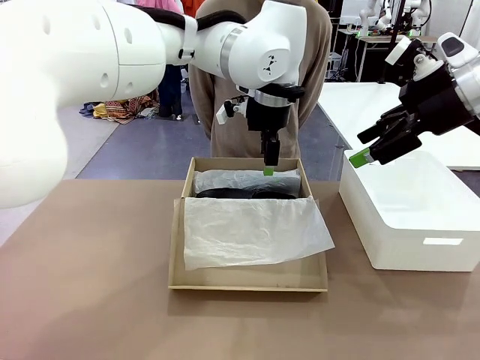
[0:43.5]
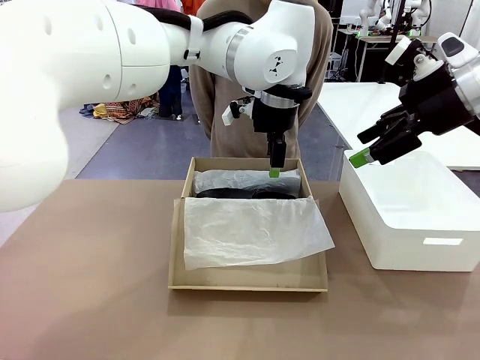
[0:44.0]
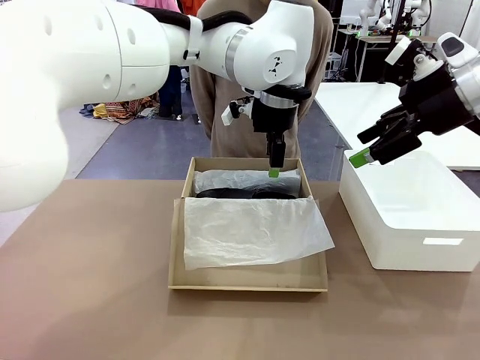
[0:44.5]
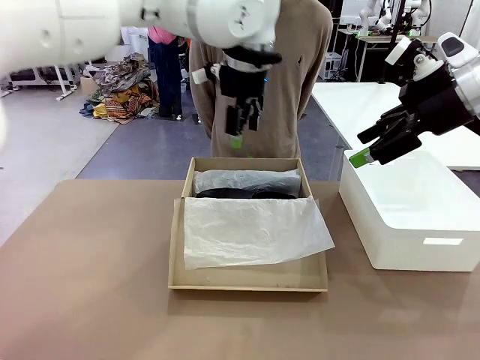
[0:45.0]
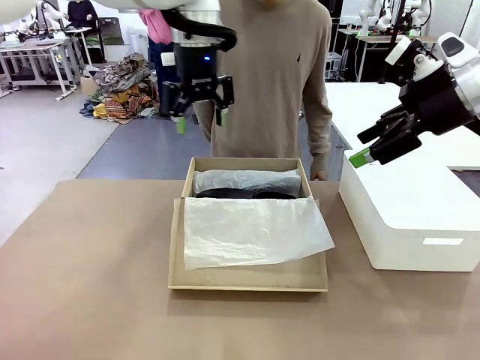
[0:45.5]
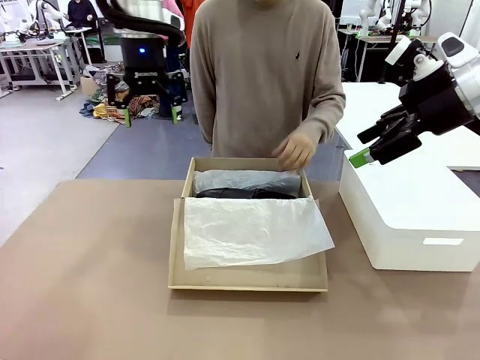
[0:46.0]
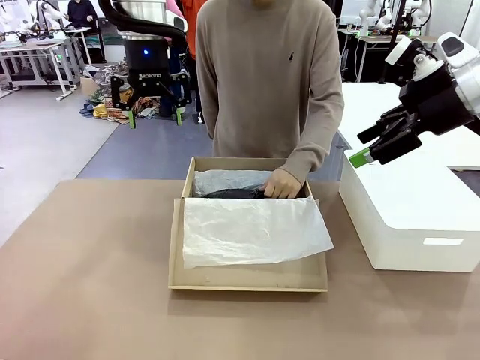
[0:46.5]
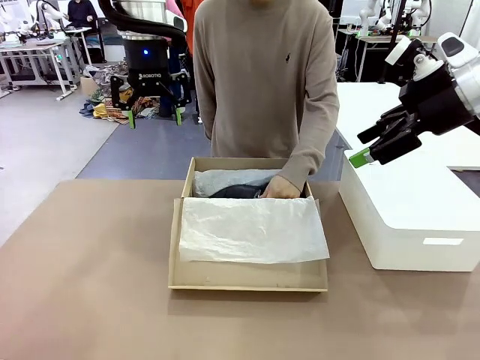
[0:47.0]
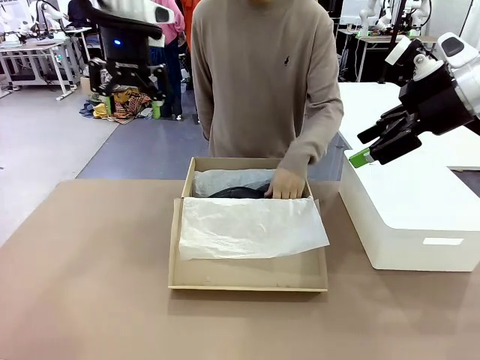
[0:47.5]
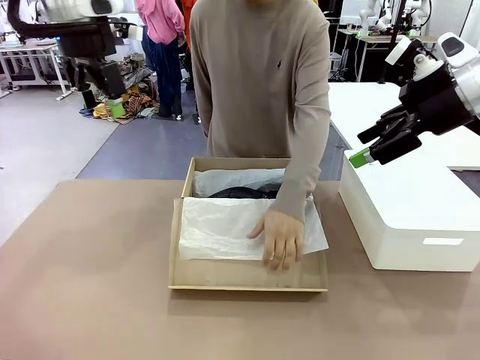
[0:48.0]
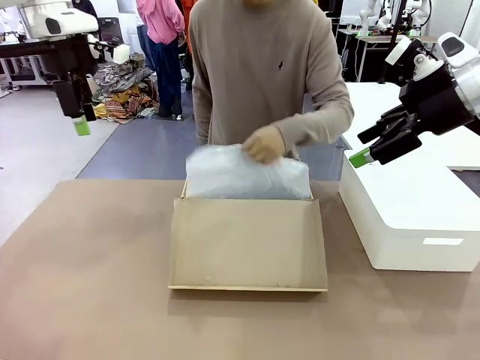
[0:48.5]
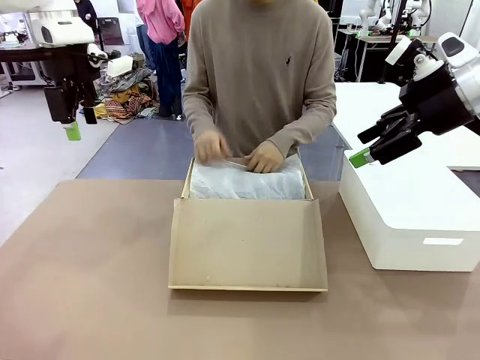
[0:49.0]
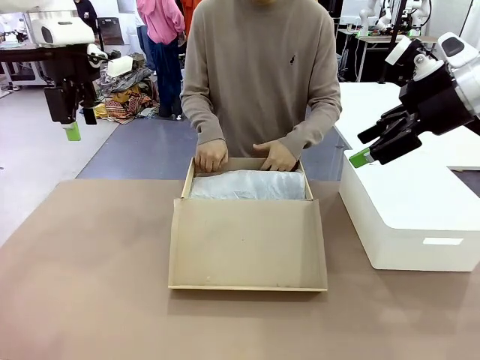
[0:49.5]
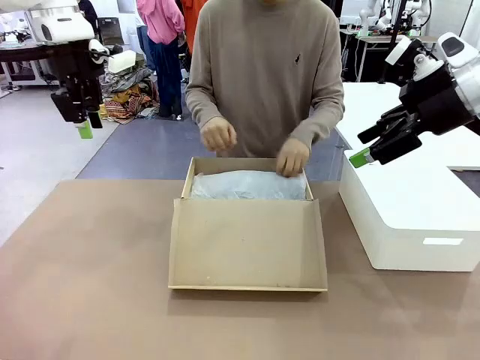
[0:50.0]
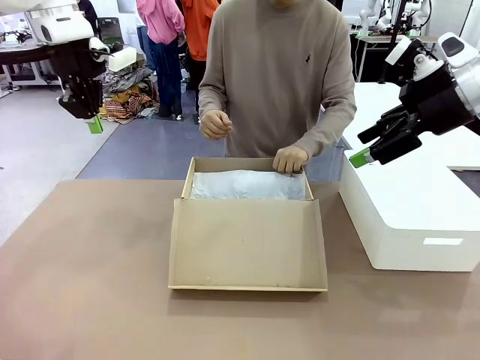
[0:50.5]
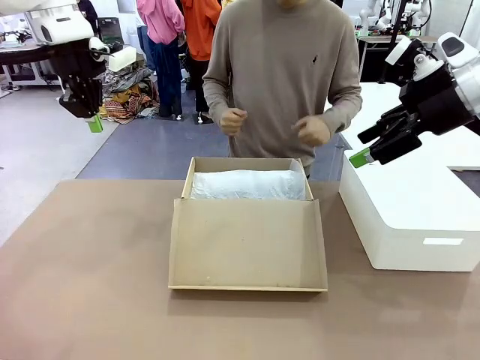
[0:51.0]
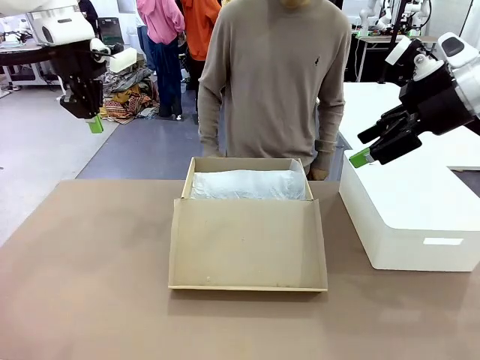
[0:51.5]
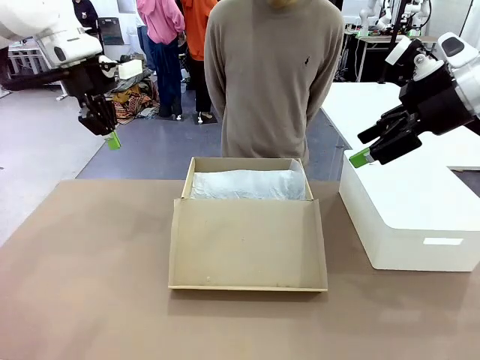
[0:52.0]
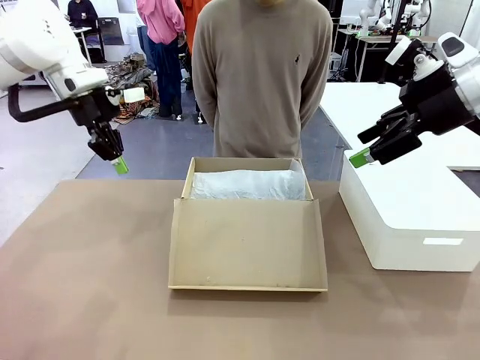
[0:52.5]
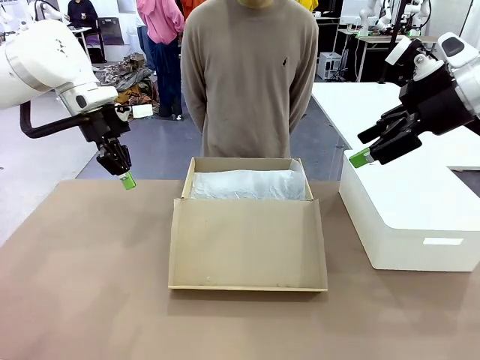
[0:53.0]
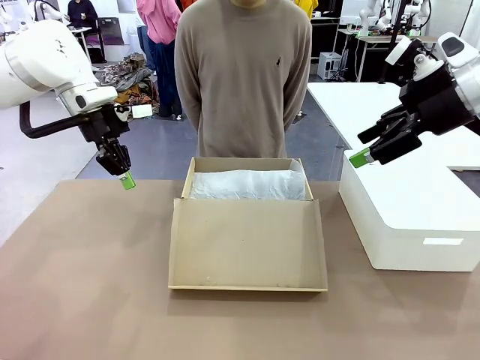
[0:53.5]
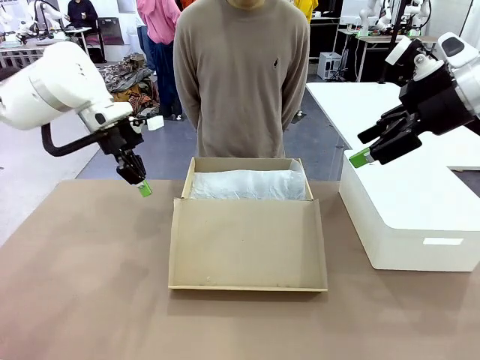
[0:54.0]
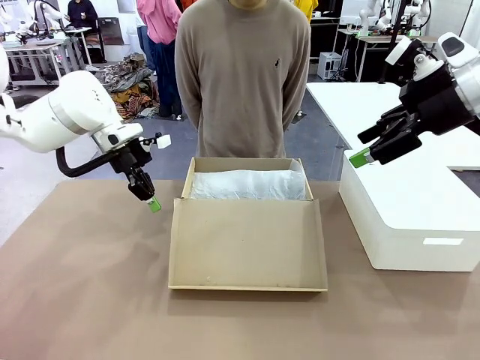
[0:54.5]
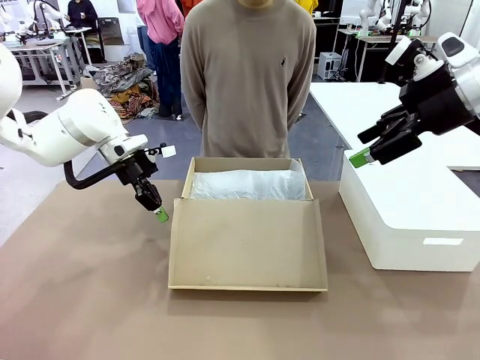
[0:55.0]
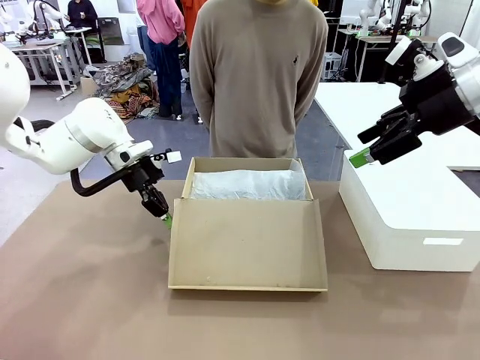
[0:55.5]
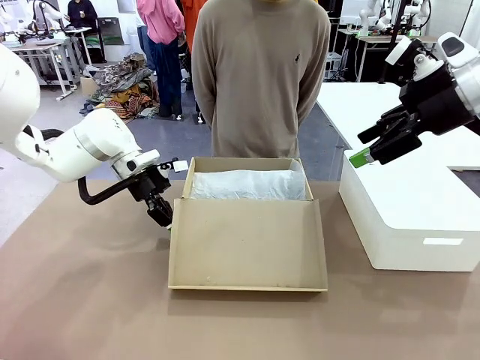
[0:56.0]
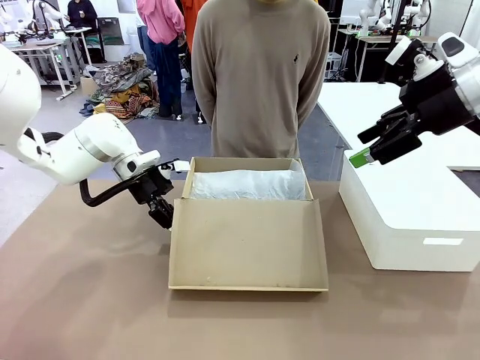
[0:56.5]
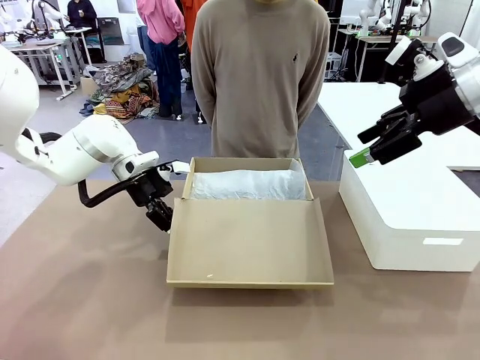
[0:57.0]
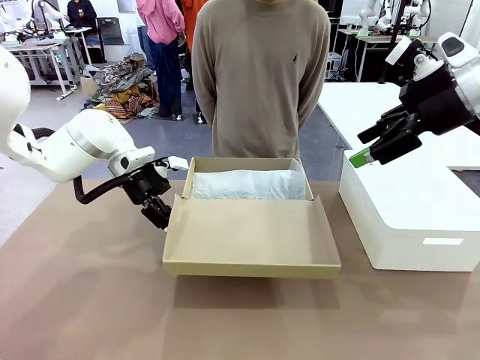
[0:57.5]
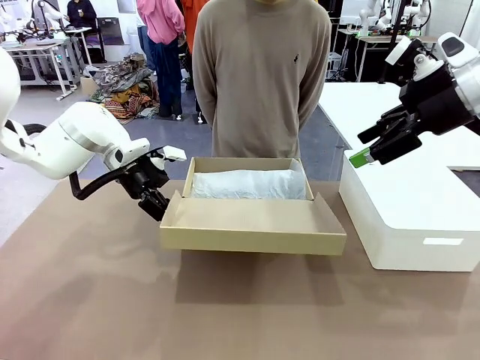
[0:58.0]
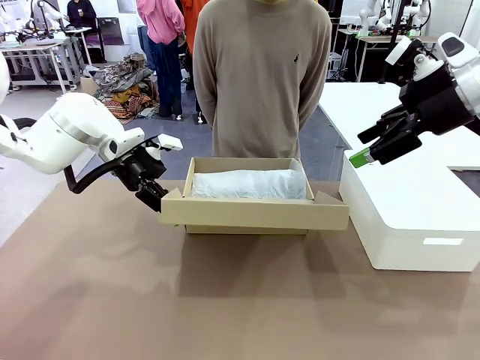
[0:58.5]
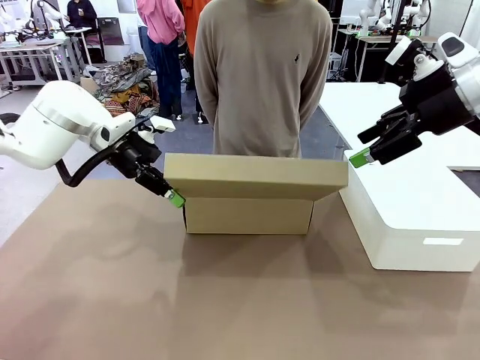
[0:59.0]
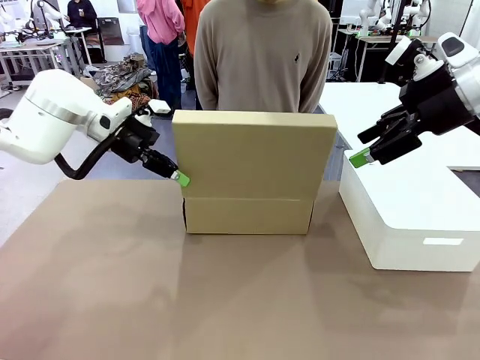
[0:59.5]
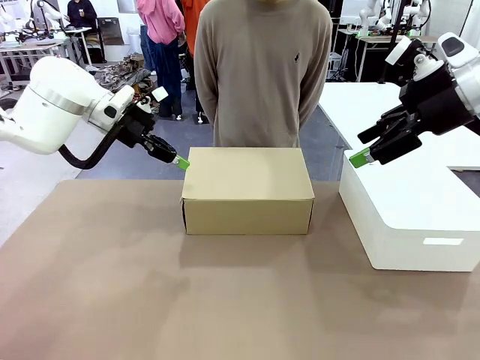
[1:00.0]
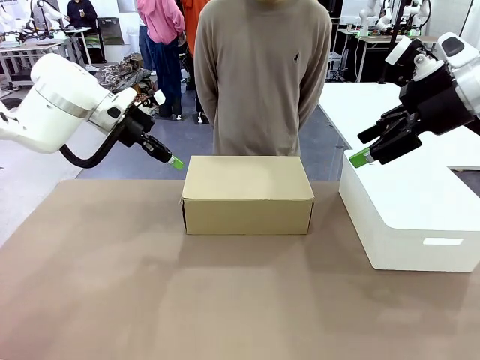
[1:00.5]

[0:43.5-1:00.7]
Task: Pack the shoes into the box.
Robot: Close the Shoes Box.

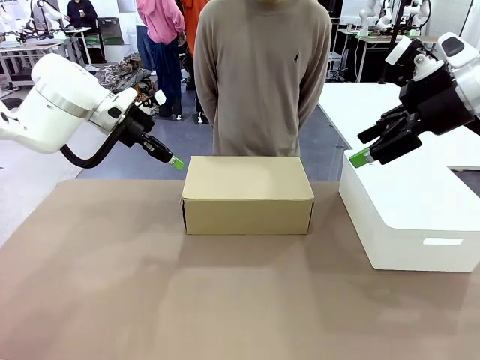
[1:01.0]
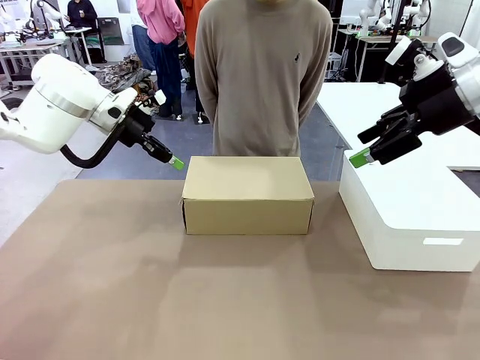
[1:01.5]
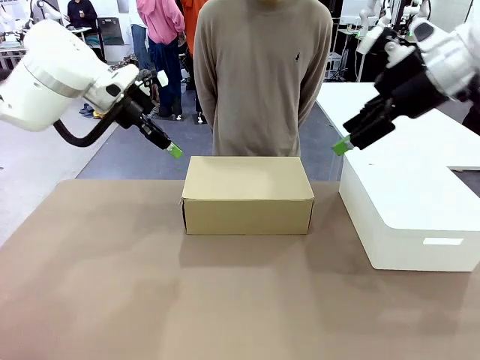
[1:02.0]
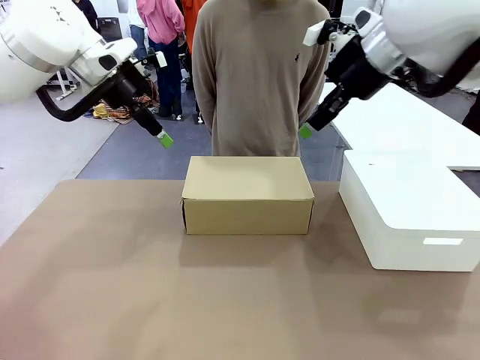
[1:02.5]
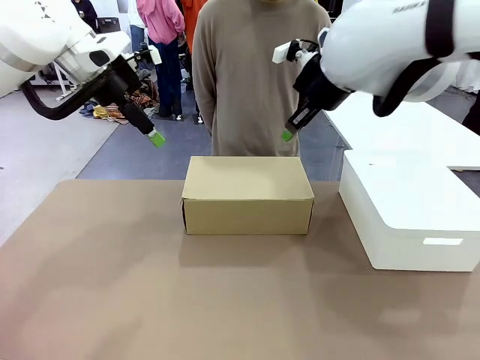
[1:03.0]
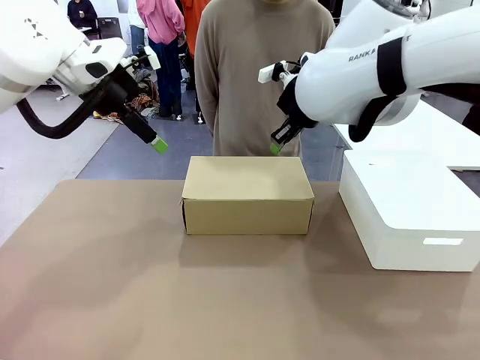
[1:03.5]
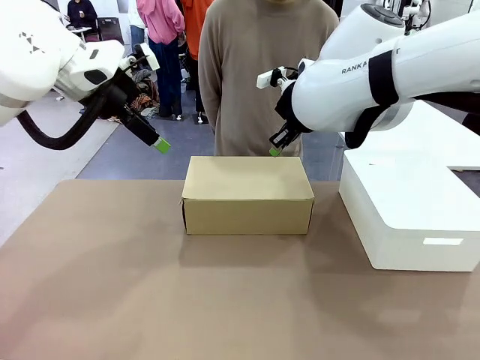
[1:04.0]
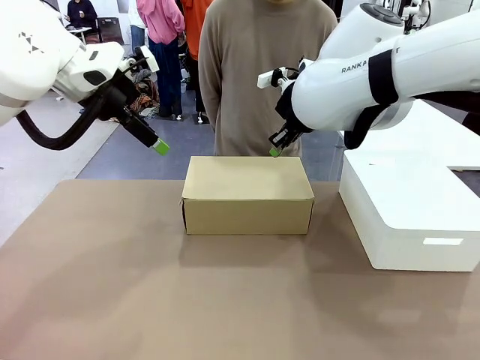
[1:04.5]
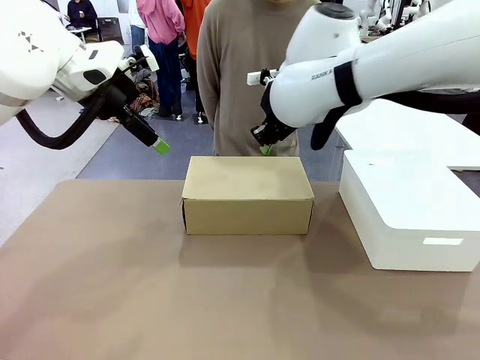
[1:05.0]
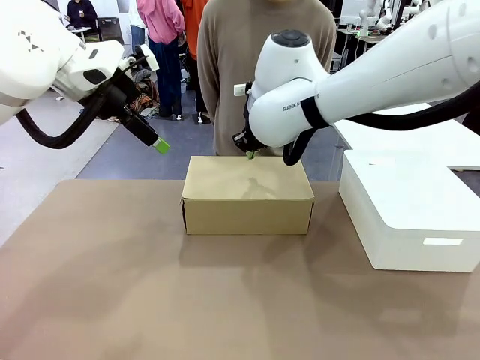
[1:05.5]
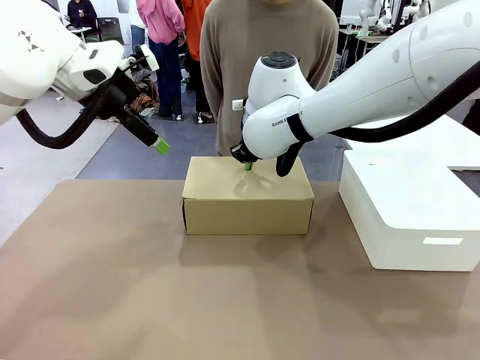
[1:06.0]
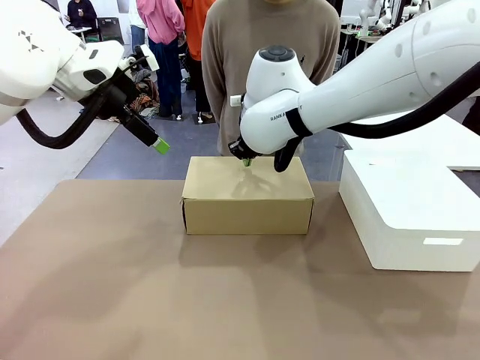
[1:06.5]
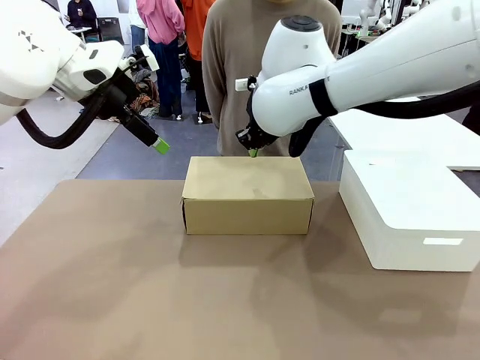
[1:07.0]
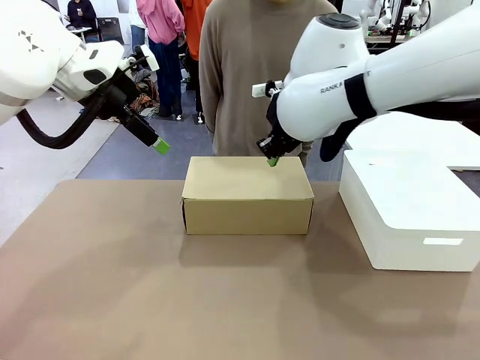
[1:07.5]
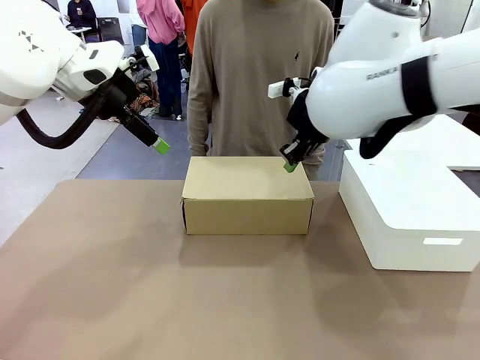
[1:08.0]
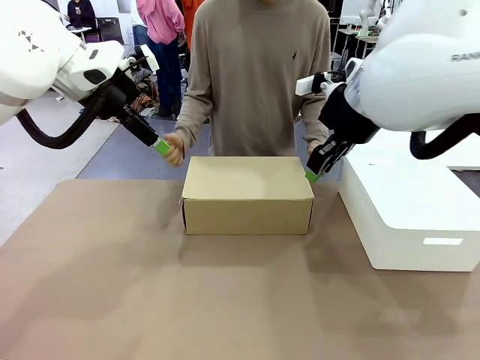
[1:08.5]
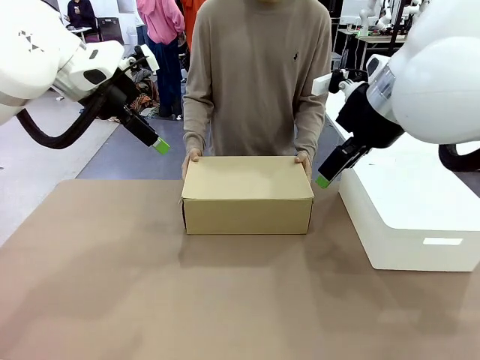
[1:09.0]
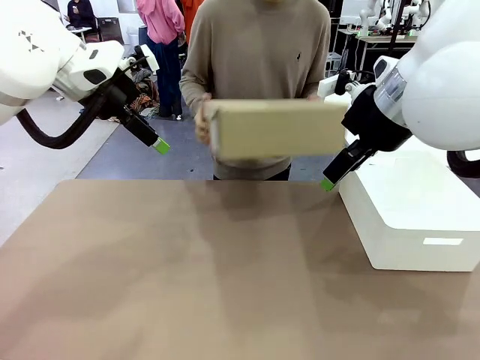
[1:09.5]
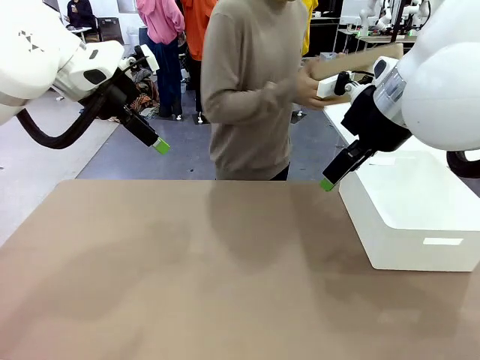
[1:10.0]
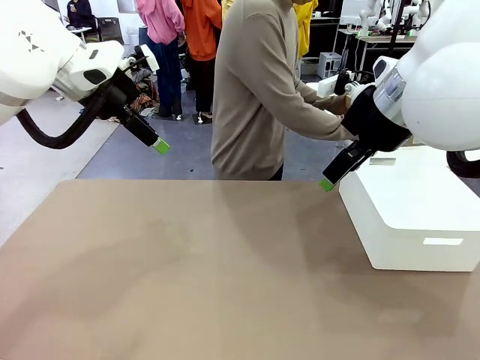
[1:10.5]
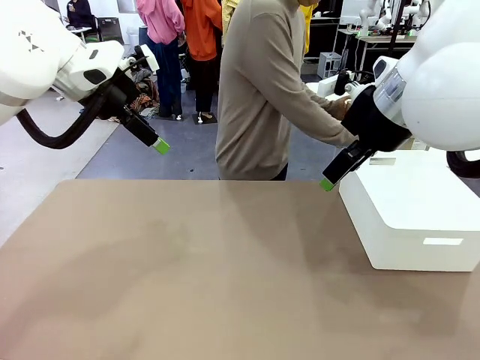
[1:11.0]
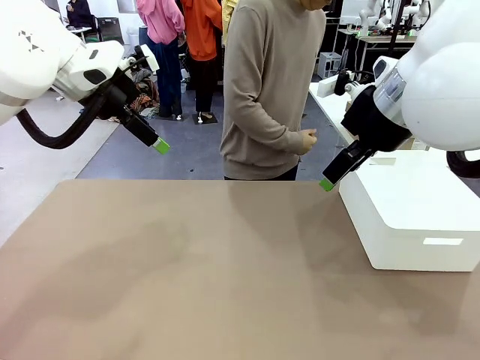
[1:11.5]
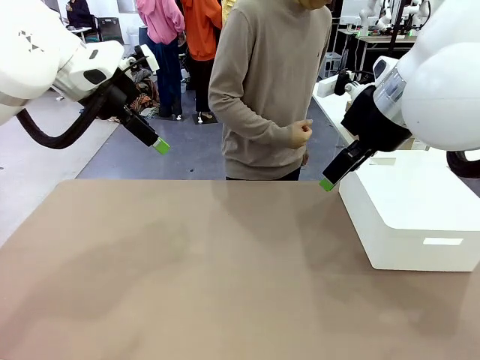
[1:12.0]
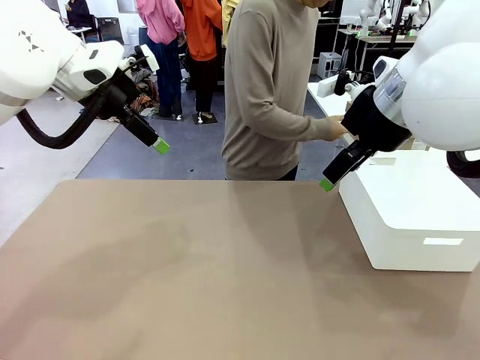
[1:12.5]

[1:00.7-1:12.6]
Robot: Press down on the lid of the Shoes Box.
Person: Place the closed Shoes Box to the right side of the human table.
